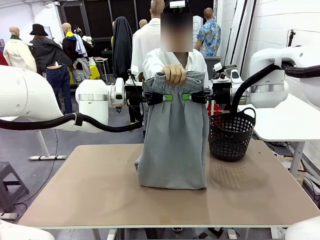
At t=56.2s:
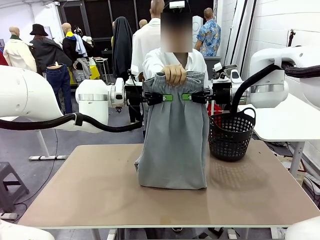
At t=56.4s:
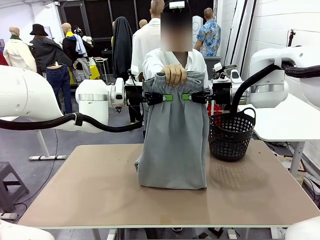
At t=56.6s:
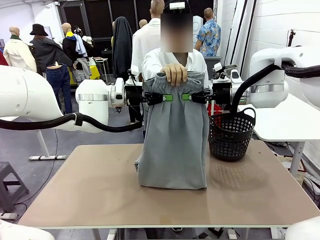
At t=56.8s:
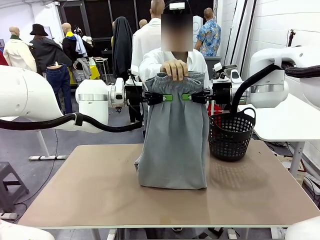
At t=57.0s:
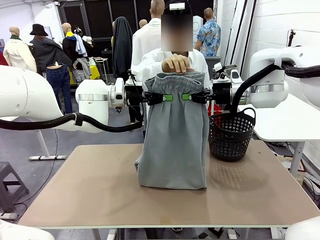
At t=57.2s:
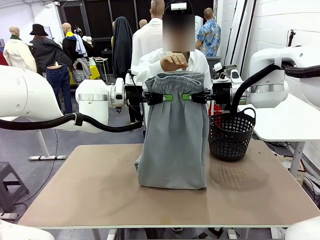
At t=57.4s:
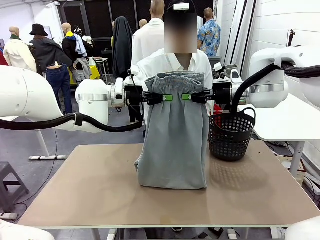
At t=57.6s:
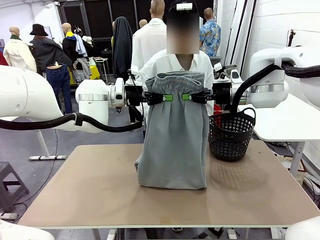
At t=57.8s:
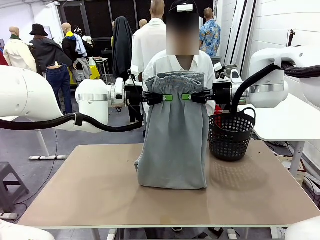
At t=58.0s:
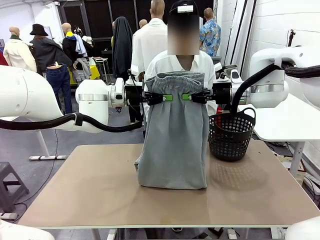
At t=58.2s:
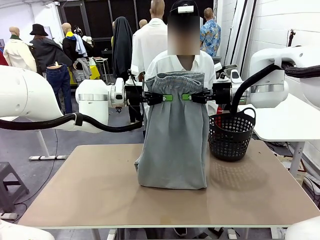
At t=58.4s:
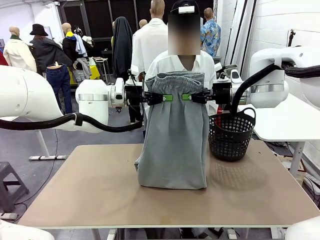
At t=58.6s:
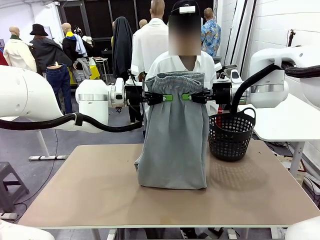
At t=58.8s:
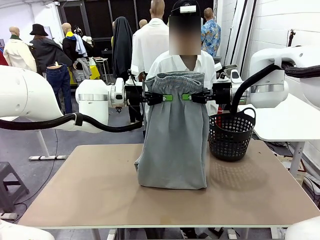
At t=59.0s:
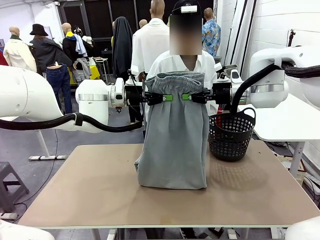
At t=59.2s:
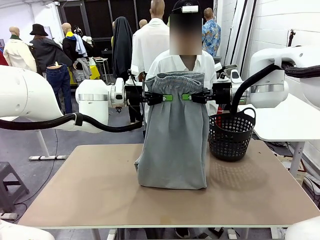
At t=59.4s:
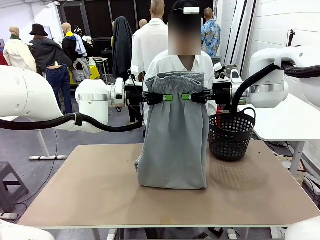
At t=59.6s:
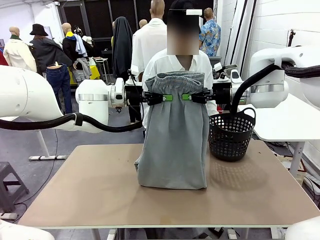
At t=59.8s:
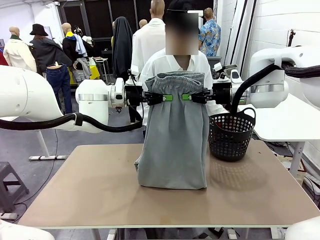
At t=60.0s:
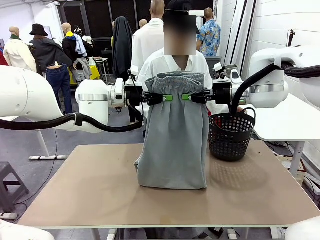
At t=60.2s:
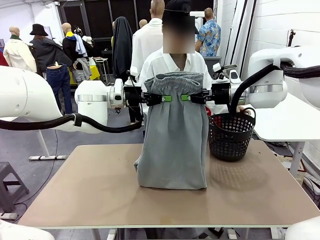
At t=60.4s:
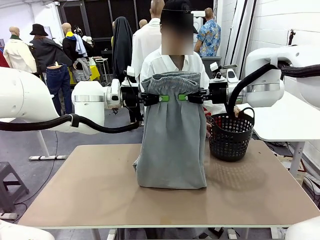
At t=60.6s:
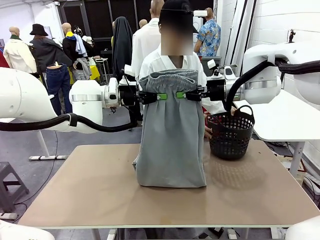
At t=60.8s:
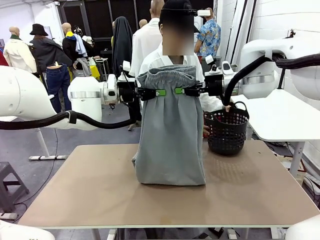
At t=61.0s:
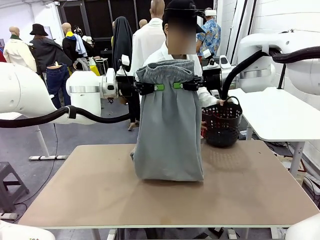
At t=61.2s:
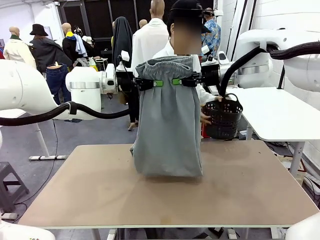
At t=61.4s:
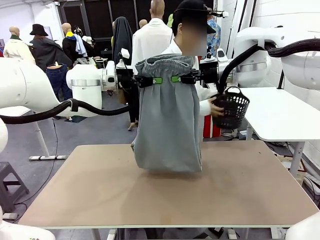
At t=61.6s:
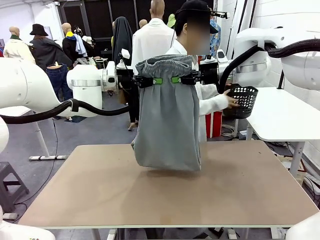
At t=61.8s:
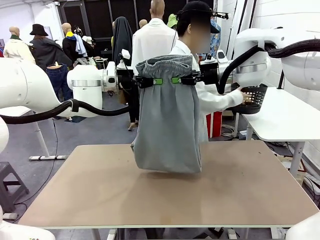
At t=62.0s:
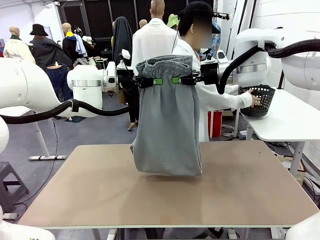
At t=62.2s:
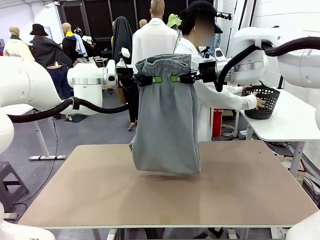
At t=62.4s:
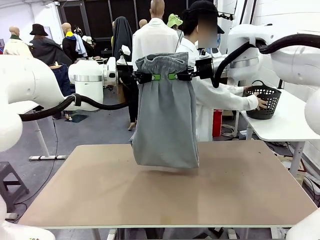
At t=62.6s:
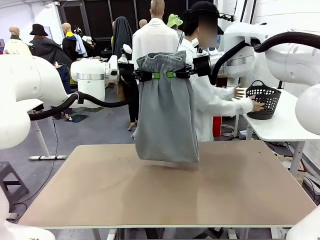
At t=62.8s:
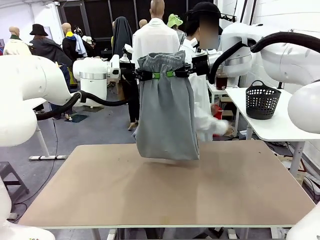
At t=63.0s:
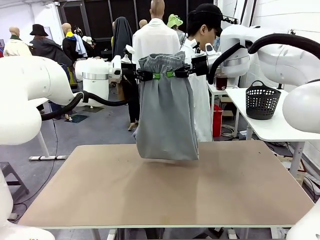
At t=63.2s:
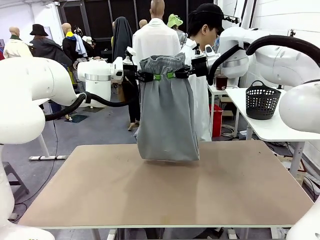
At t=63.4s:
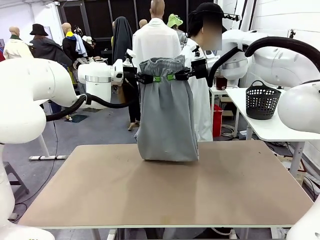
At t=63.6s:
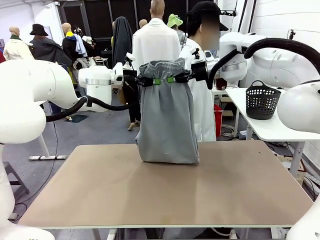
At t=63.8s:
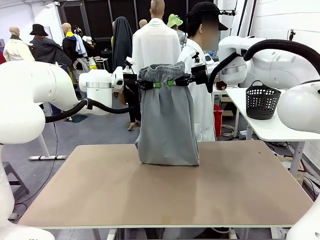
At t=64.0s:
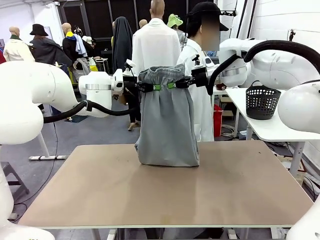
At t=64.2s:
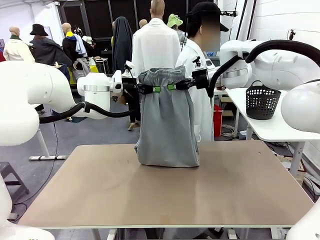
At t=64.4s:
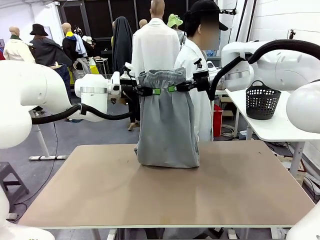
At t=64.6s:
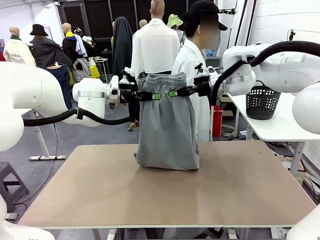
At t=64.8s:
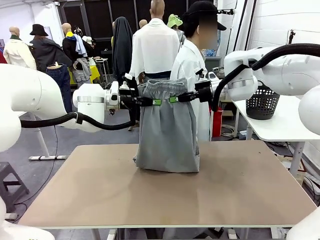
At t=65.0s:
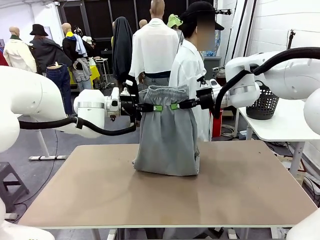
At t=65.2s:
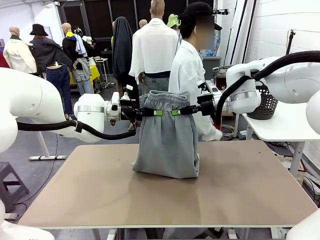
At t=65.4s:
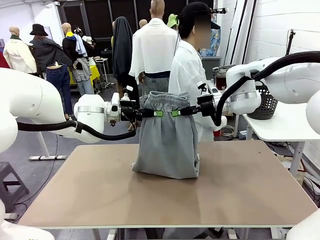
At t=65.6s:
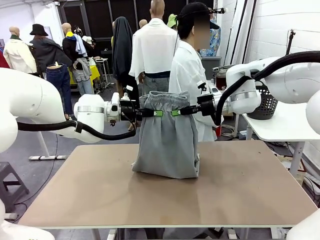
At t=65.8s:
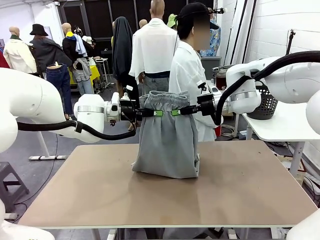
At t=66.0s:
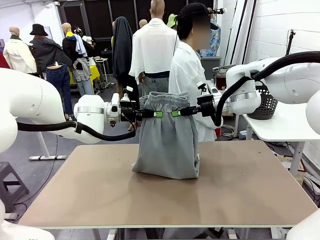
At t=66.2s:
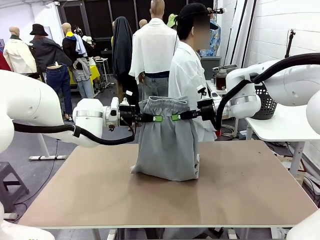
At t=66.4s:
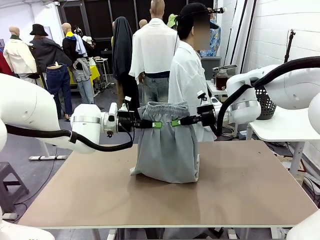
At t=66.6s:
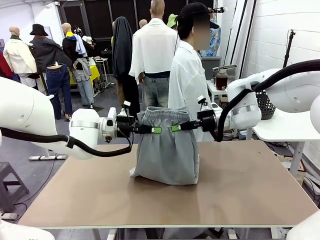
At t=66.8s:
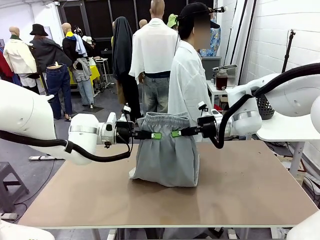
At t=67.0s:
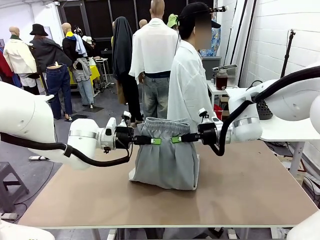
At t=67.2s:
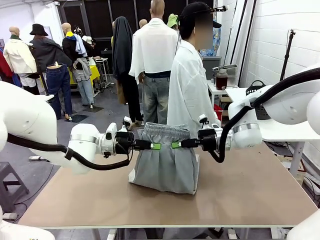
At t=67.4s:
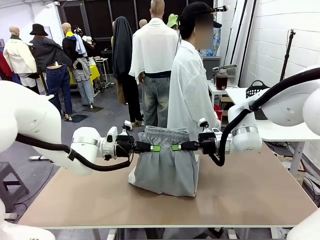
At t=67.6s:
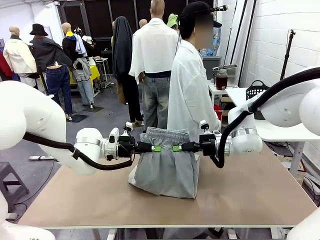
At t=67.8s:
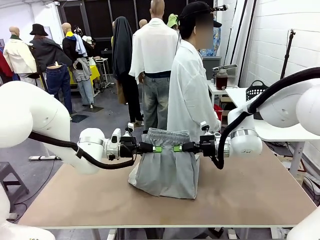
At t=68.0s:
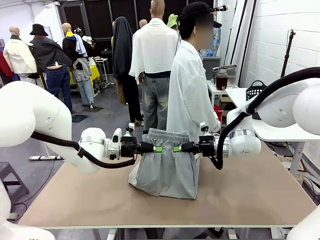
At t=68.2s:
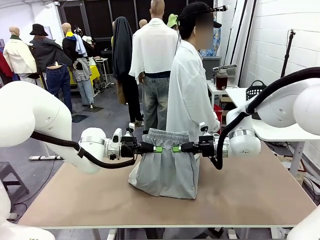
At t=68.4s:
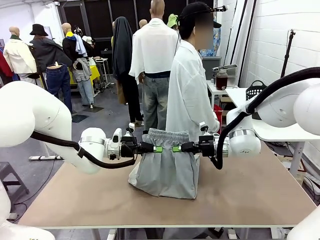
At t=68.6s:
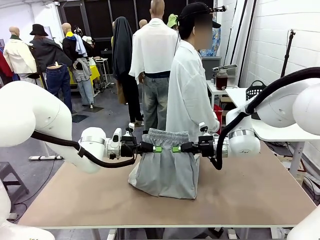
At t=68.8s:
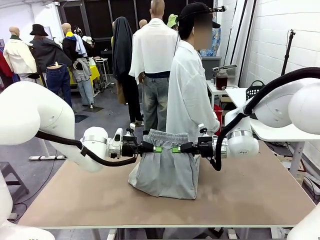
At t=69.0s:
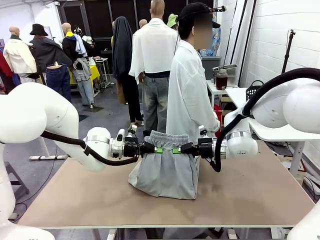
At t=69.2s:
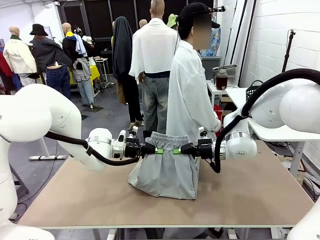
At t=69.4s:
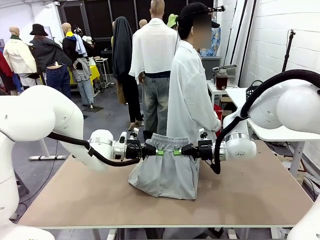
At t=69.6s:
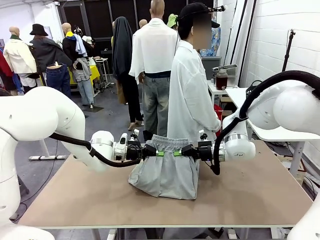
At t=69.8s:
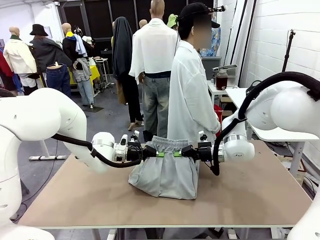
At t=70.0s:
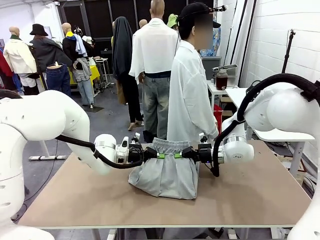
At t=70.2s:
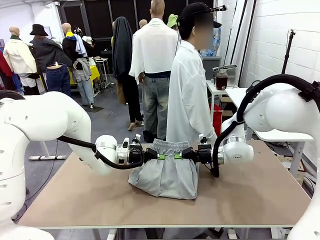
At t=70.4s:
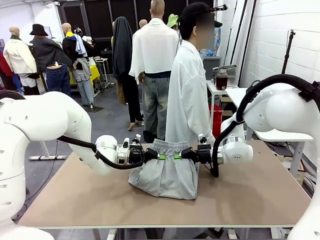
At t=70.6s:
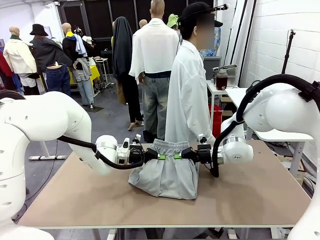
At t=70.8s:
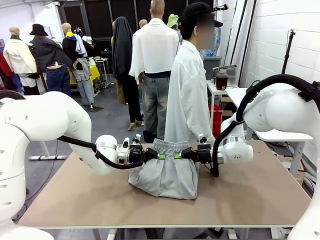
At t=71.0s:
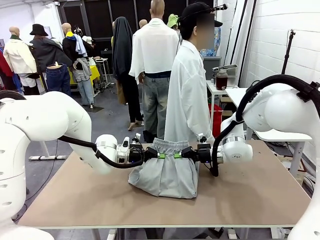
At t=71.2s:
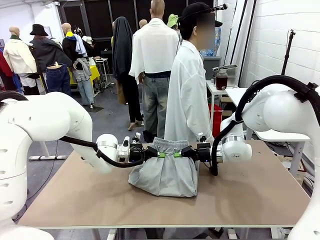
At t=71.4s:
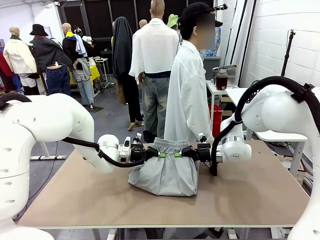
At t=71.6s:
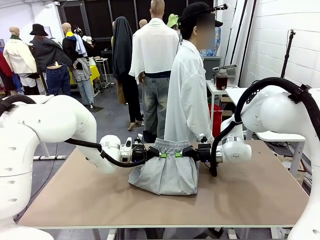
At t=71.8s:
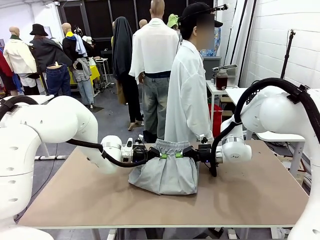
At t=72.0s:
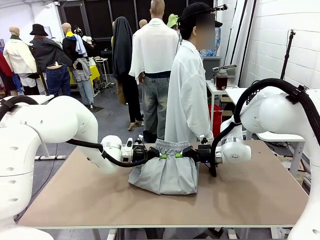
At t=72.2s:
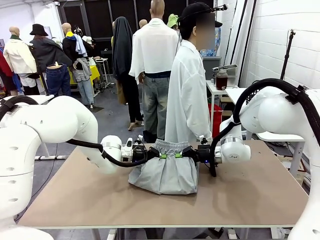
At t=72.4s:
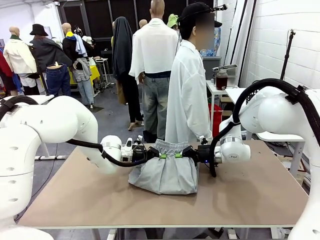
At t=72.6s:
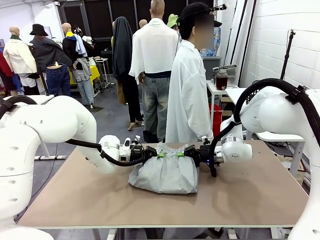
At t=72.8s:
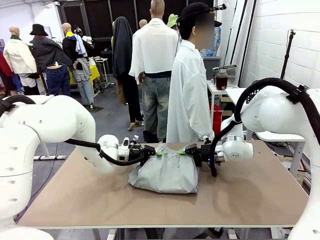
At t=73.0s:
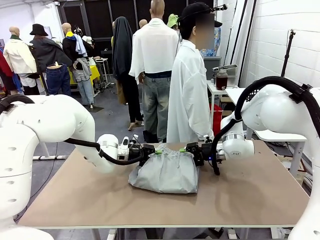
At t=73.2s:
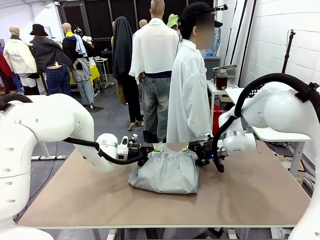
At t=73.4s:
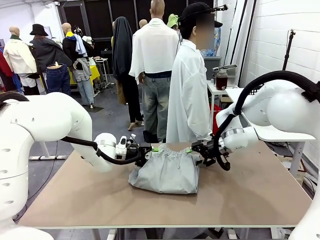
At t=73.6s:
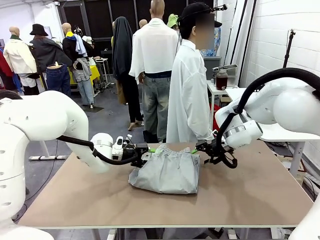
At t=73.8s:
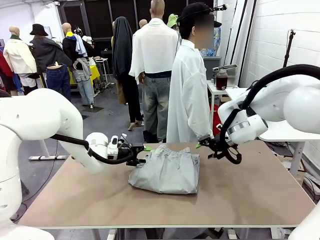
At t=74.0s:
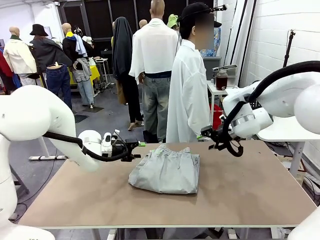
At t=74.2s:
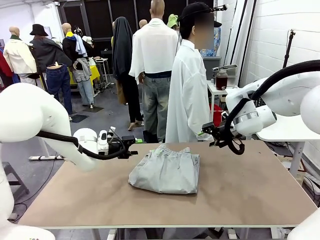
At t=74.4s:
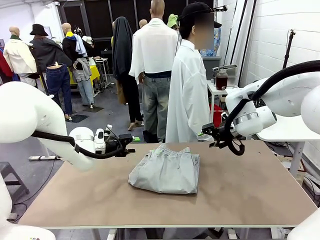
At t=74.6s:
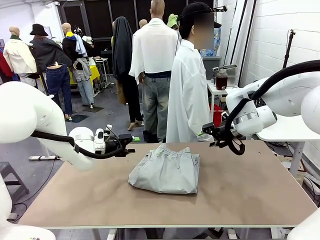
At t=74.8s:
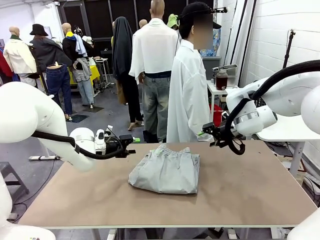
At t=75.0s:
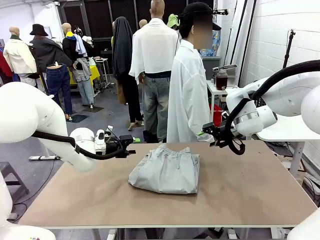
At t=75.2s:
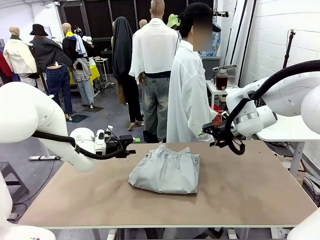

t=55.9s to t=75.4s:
Task: Fold the training pants.
Robot: Fold the Training pants in half.
Person: Move the laundry basket to the right of the human table.
